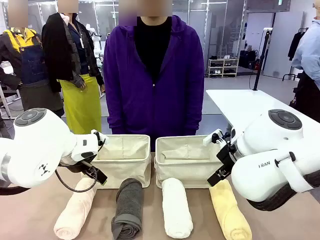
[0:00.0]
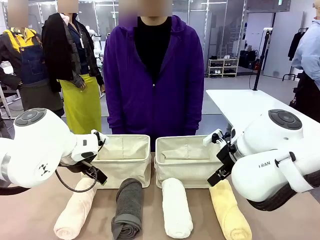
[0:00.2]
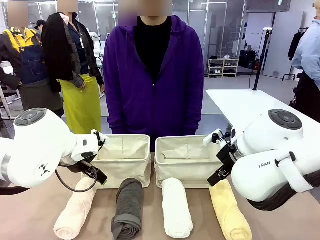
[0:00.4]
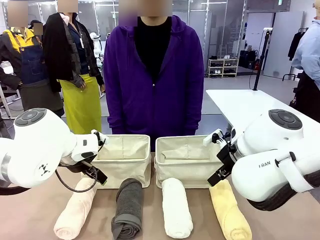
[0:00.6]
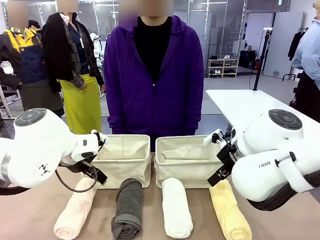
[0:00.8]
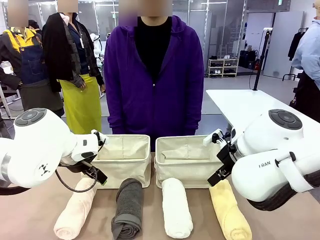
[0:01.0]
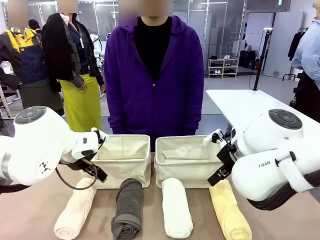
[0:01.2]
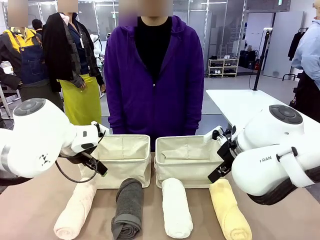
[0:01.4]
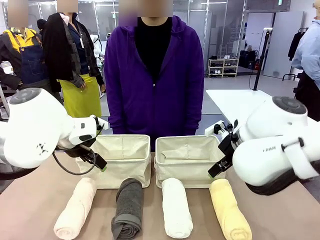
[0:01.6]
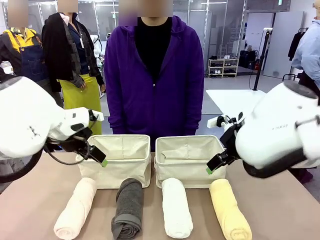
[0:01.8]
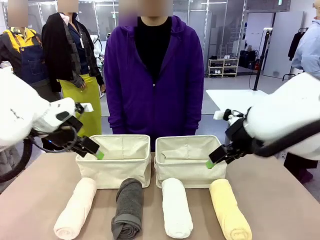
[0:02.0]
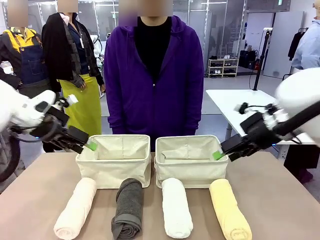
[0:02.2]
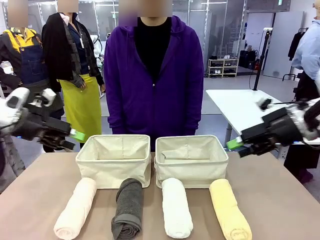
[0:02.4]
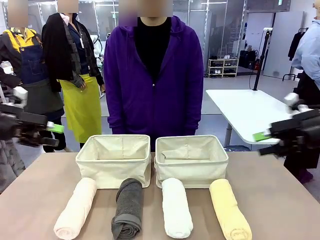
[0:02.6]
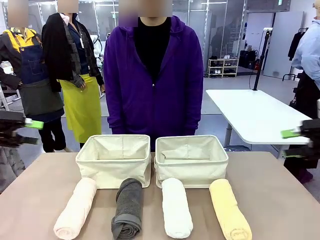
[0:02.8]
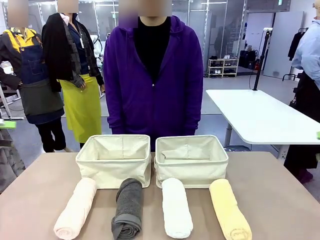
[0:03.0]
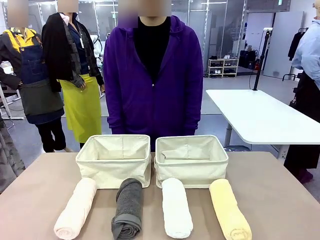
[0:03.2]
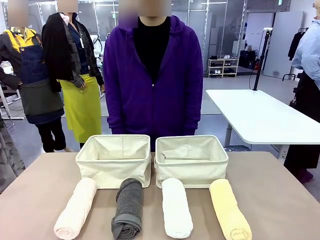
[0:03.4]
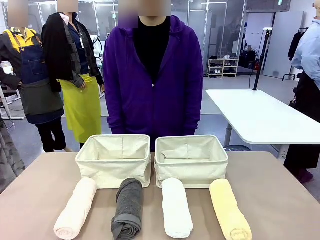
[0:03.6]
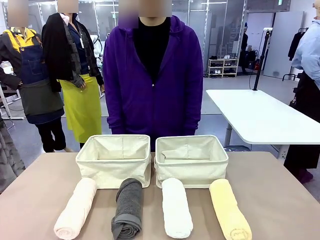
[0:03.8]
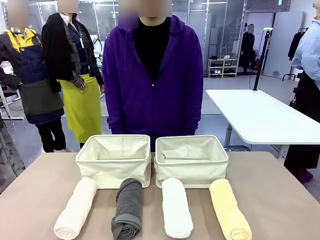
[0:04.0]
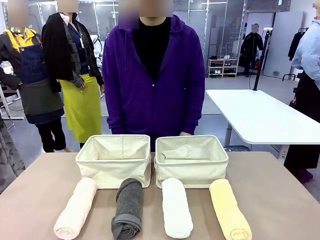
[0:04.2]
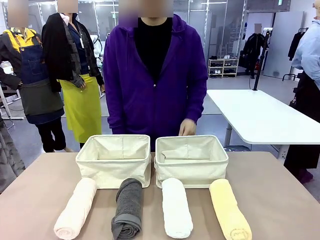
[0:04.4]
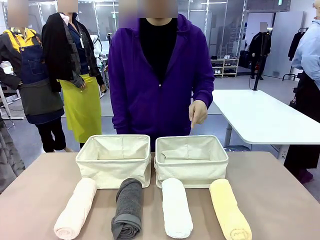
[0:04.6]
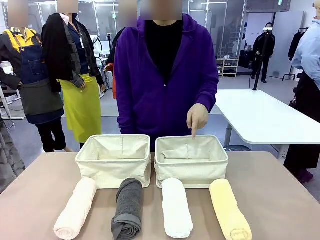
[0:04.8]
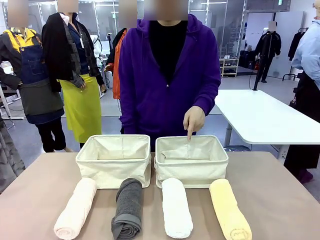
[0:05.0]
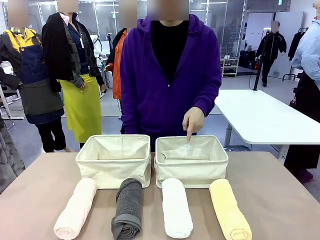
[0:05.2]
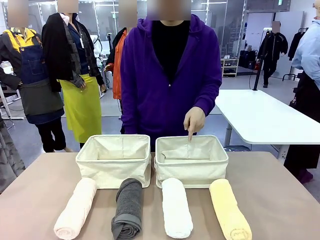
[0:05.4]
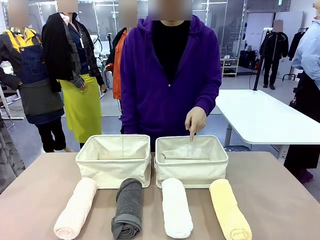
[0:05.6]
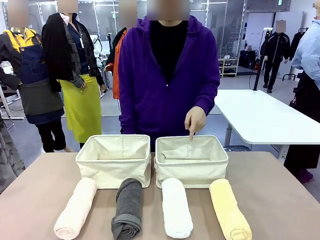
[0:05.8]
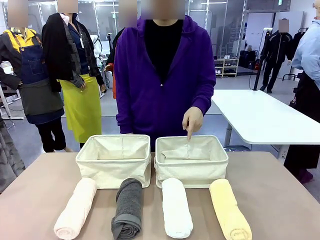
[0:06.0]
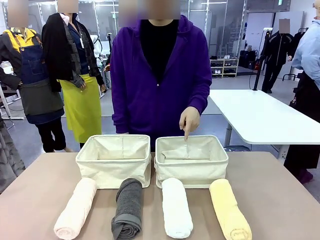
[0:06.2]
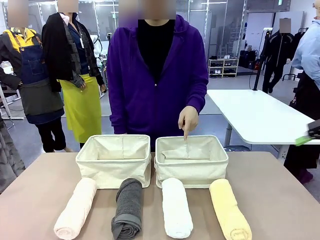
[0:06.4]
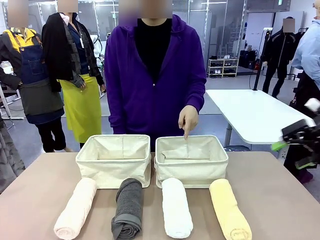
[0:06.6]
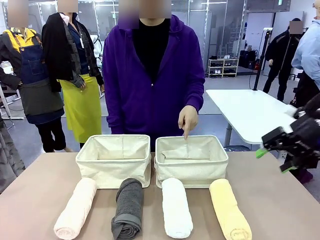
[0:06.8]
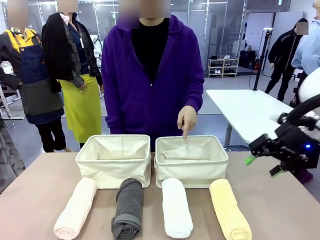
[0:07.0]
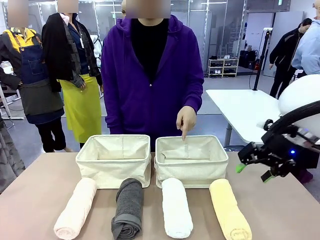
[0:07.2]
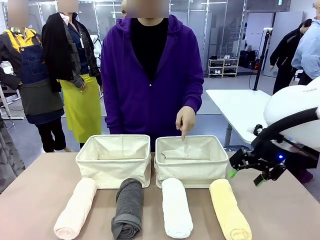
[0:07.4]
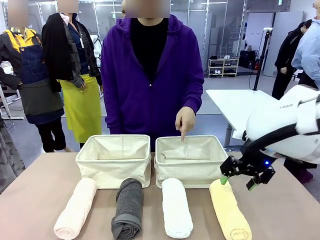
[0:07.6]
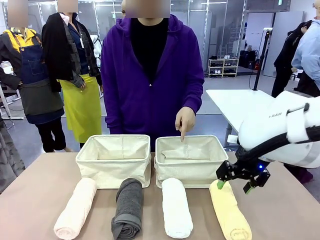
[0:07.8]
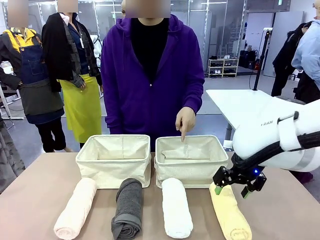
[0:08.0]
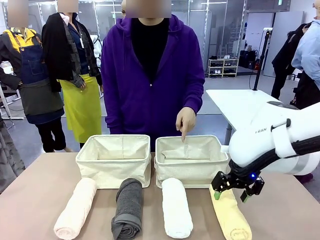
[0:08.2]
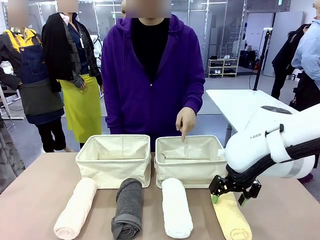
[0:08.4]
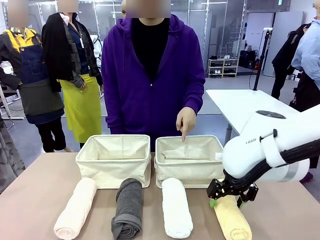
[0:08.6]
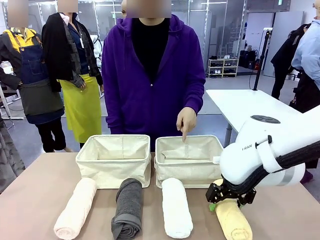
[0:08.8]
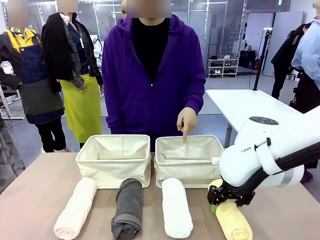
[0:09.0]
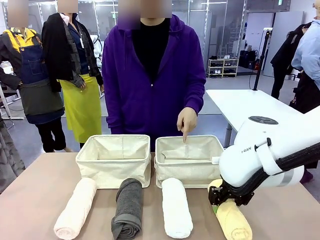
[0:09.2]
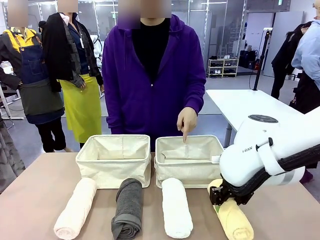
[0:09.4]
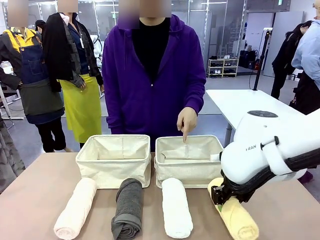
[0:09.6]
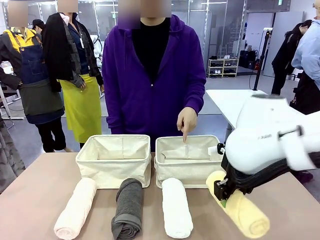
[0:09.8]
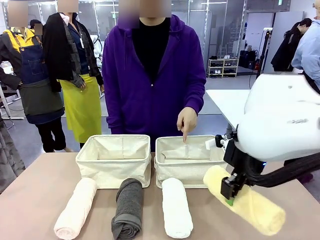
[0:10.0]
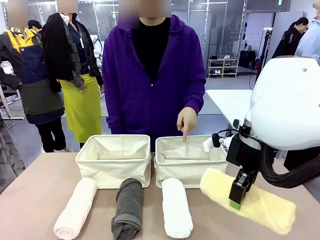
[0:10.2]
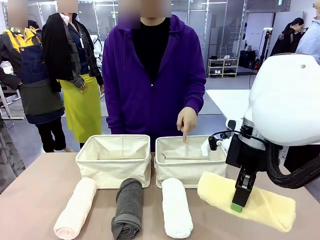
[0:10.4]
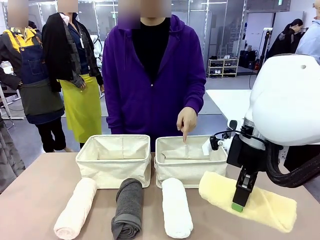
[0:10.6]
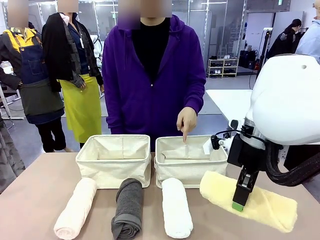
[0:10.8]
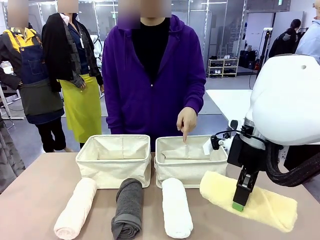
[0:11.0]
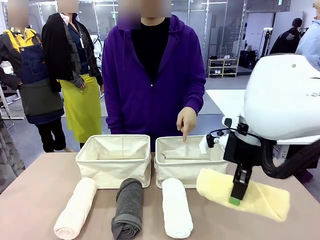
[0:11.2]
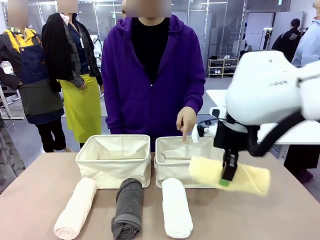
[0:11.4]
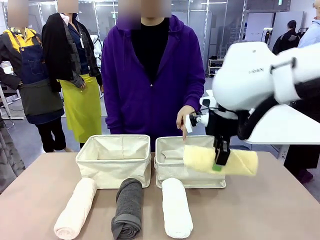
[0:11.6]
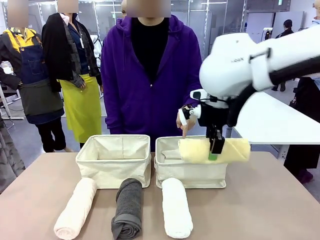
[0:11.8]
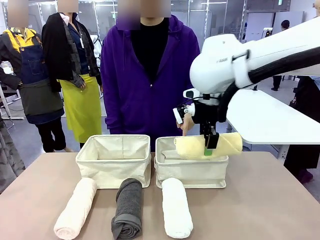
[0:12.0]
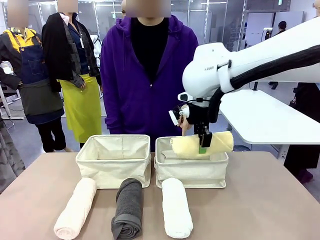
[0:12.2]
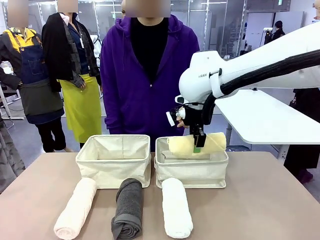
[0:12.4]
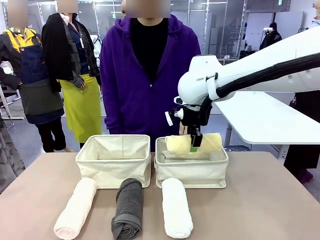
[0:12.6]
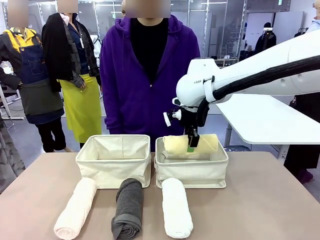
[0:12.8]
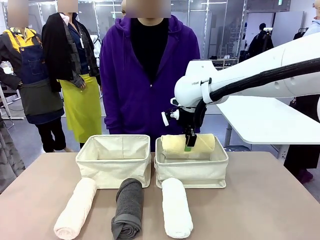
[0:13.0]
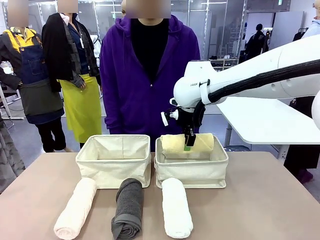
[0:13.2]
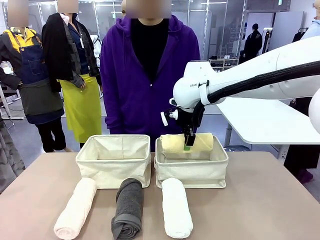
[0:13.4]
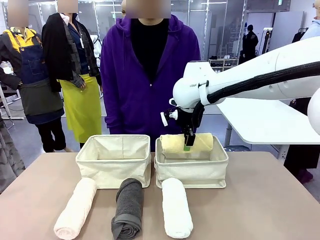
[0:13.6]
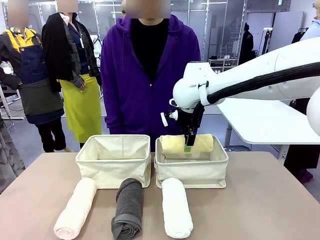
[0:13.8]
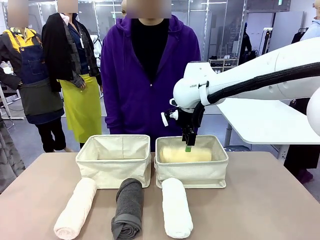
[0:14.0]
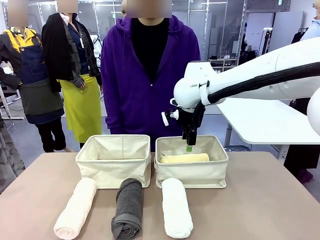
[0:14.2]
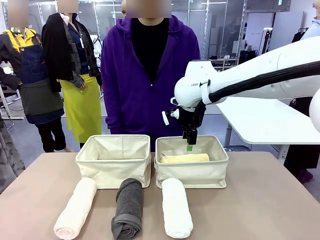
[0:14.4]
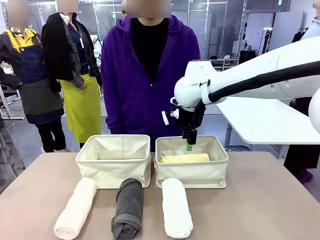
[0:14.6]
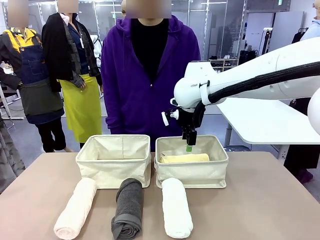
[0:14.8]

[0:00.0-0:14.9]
Task: Divide the towels into two baskets.
Robot: Pick up one hotel-folded towel and place it in the Fabric basket indicated by the person.
